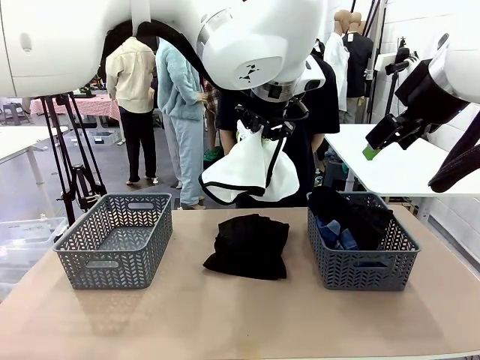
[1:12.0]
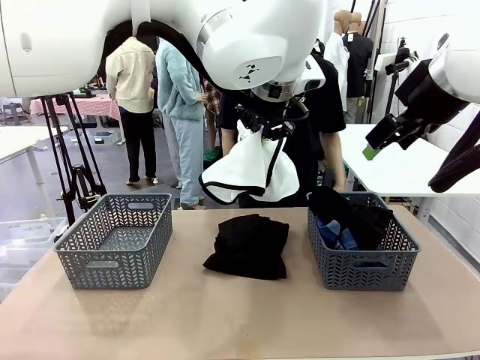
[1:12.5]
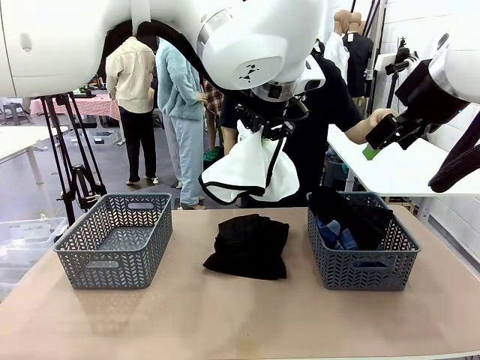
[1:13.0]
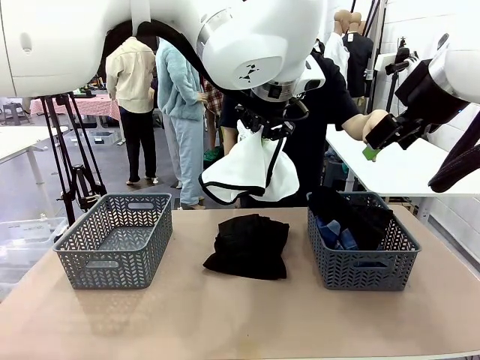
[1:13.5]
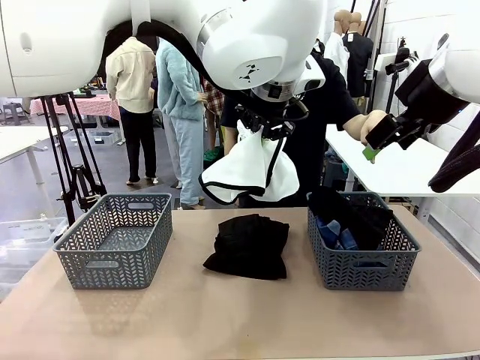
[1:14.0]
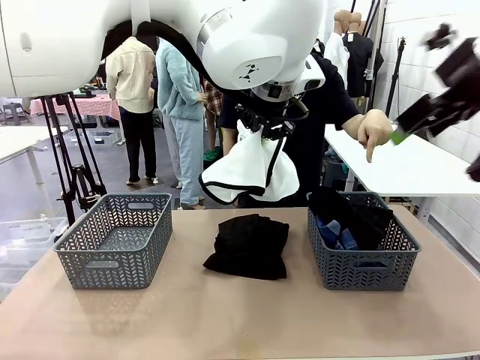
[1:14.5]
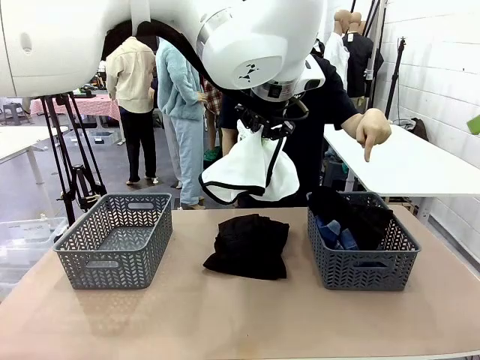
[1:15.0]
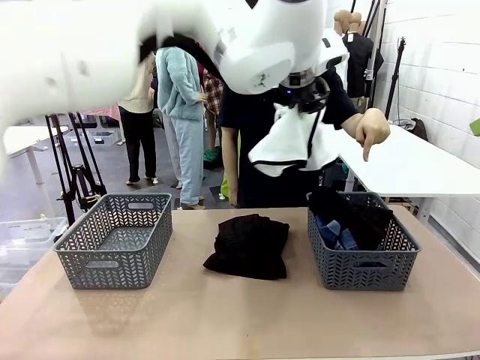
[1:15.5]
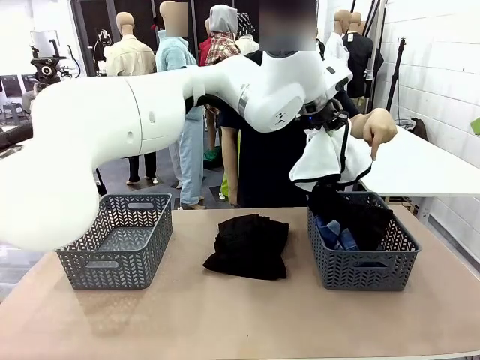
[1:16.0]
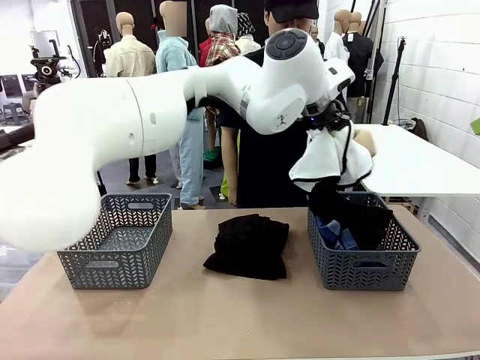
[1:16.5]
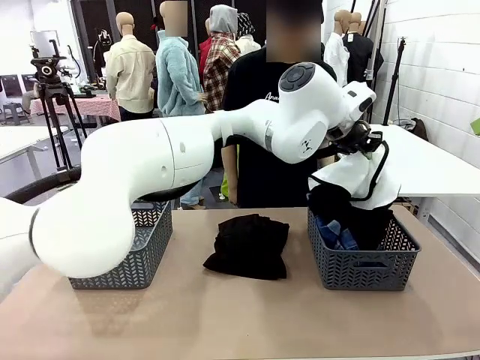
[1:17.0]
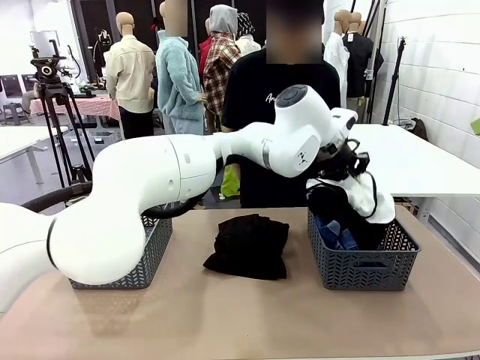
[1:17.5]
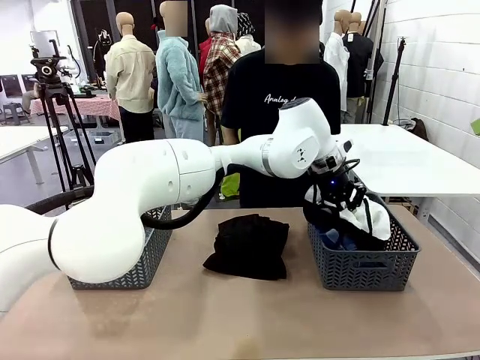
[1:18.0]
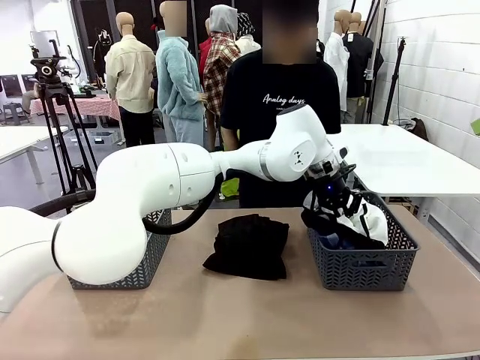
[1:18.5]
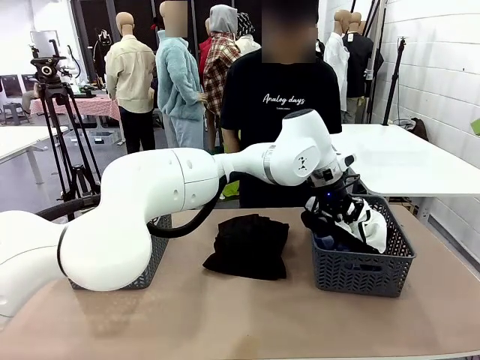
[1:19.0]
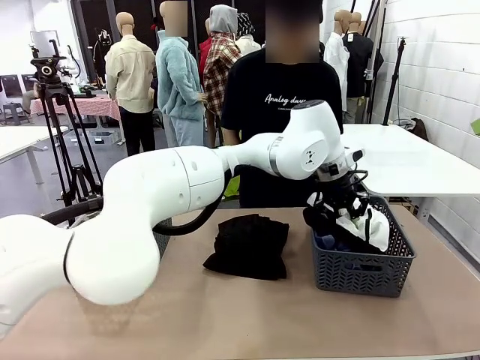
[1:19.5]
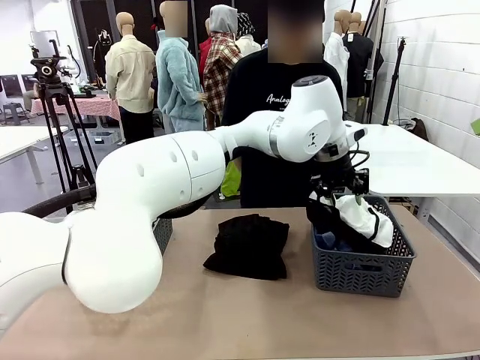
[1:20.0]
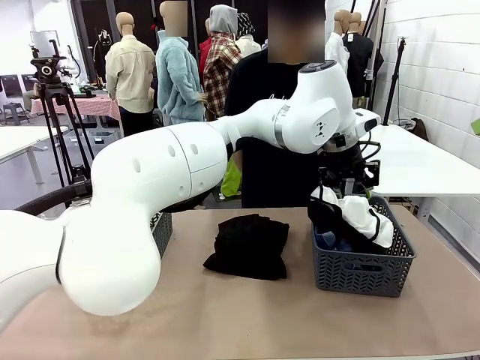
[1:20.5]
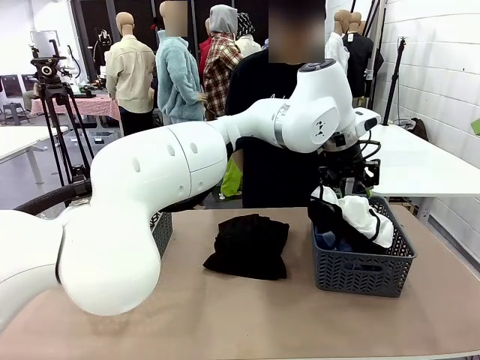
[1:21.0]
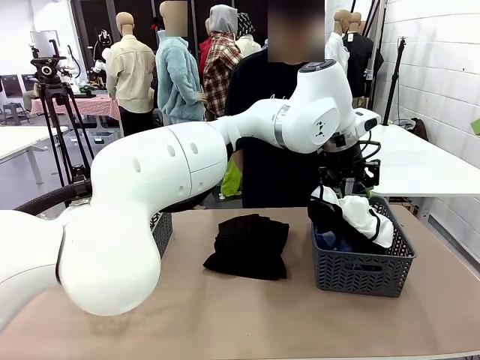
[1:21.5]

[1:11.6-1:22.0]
Task: Sort the tops and bottoms.
Robot: Sort the clothes according to human instructions.

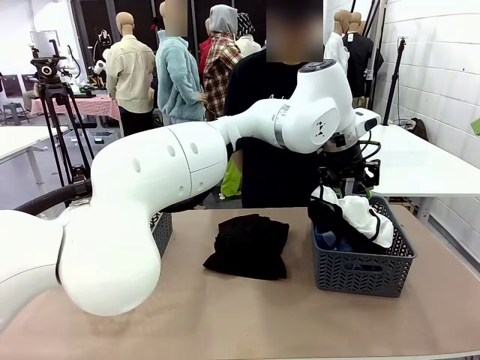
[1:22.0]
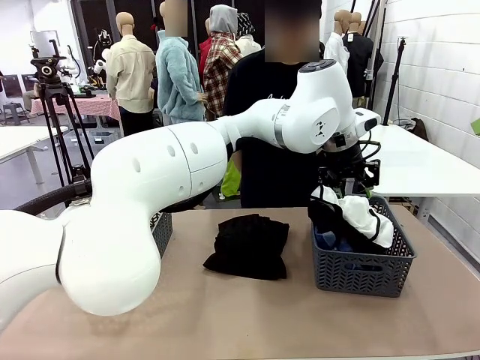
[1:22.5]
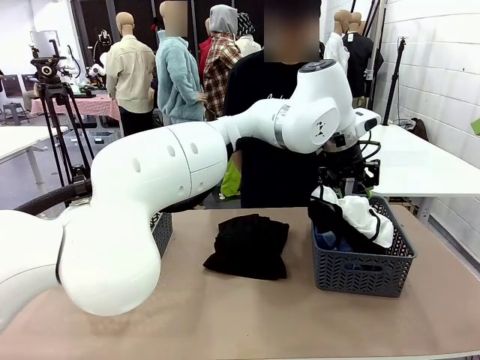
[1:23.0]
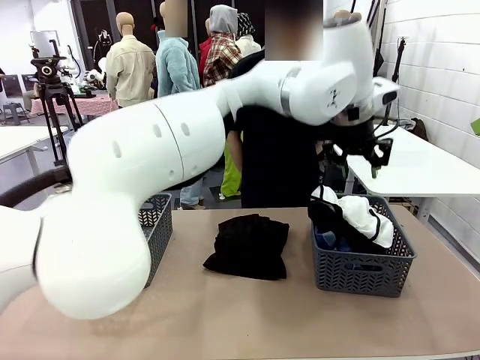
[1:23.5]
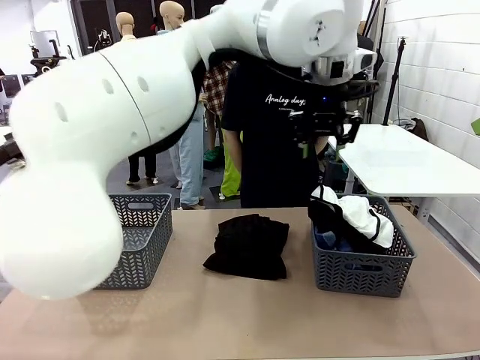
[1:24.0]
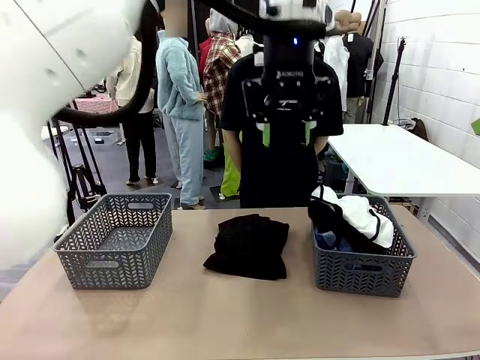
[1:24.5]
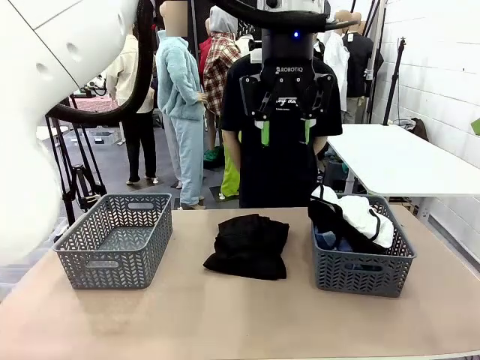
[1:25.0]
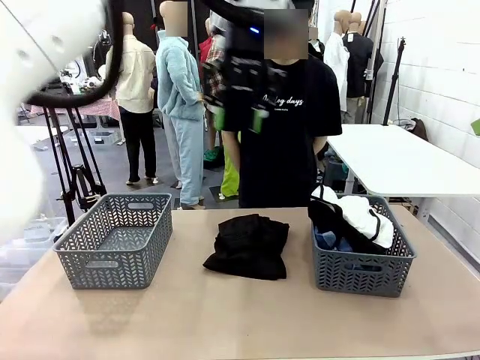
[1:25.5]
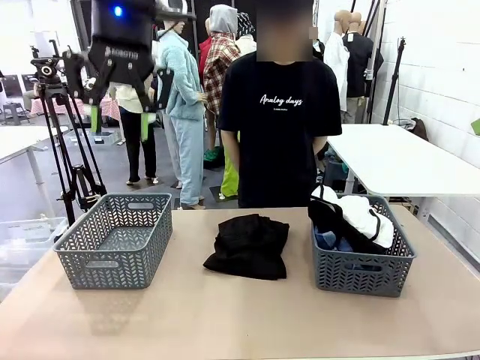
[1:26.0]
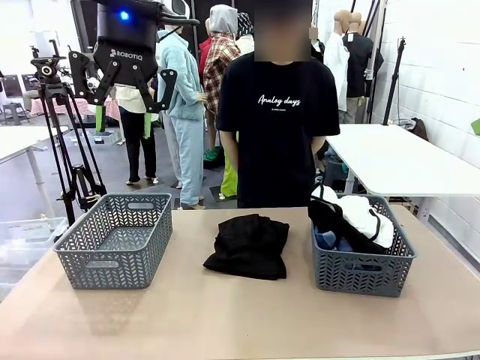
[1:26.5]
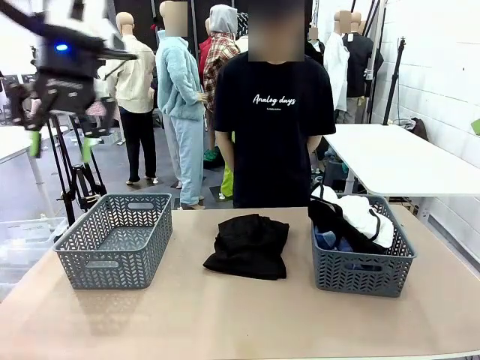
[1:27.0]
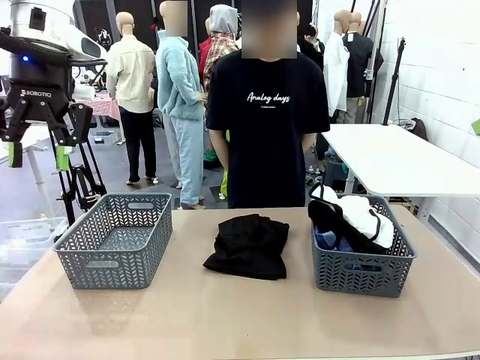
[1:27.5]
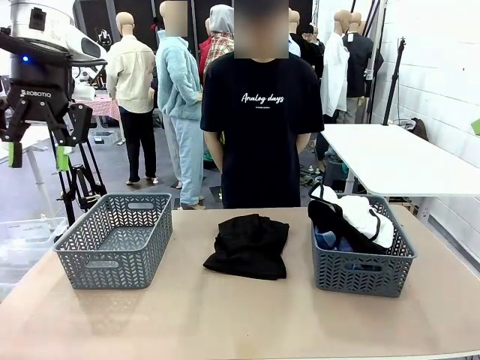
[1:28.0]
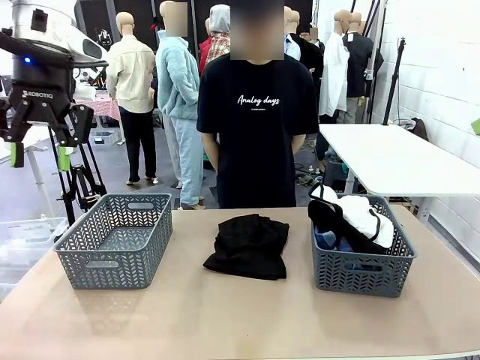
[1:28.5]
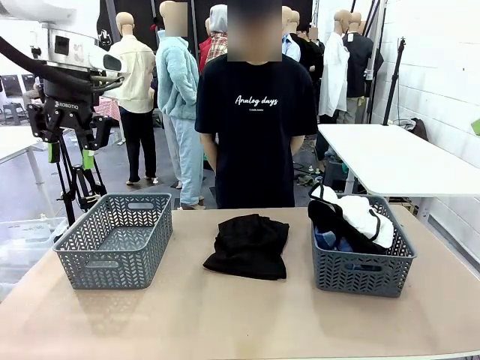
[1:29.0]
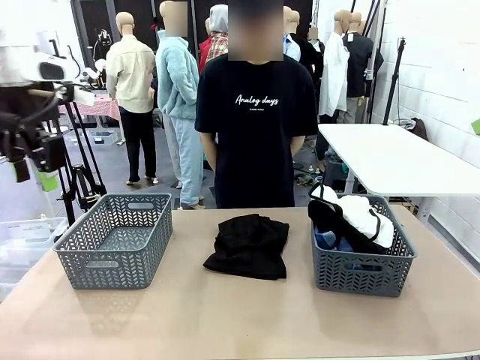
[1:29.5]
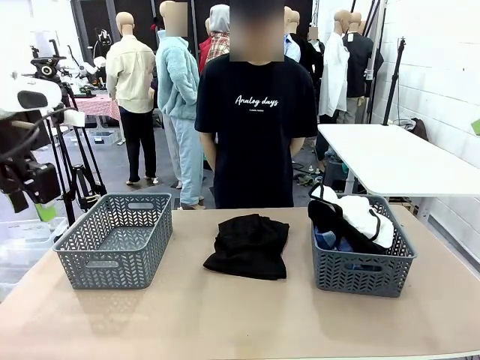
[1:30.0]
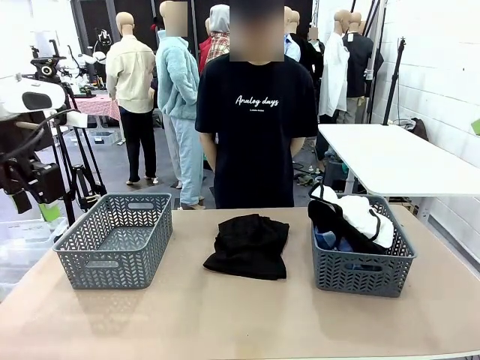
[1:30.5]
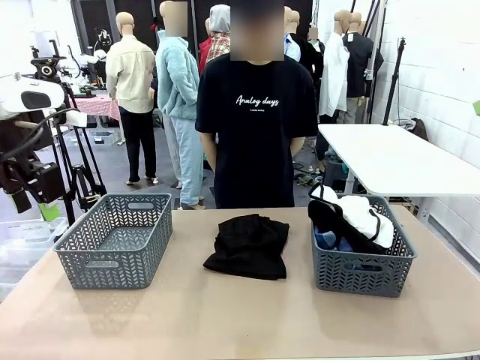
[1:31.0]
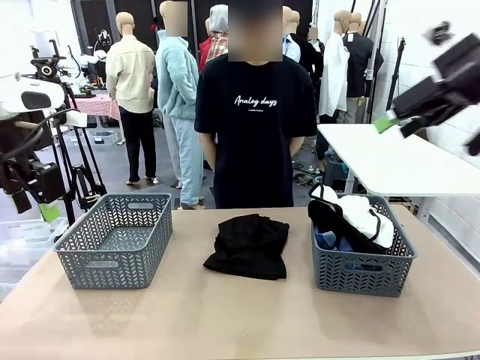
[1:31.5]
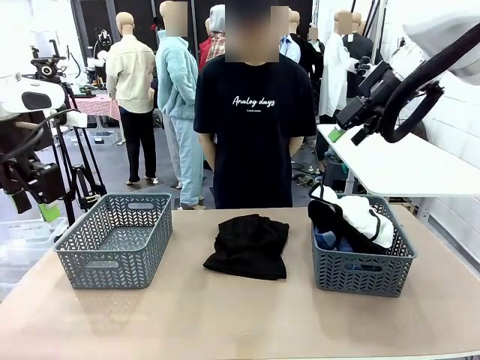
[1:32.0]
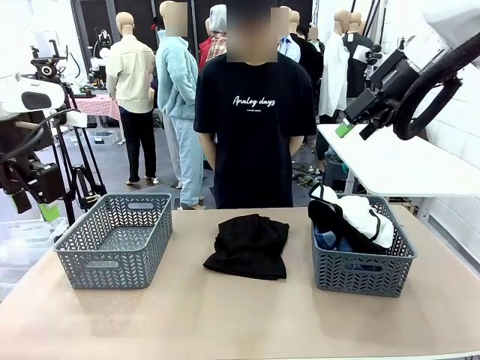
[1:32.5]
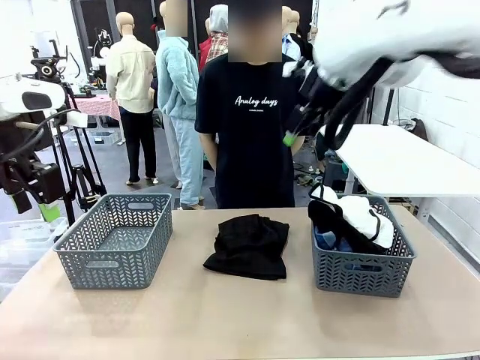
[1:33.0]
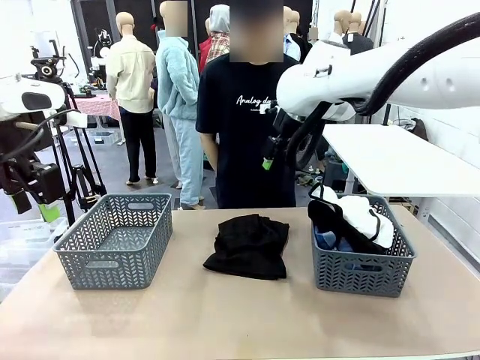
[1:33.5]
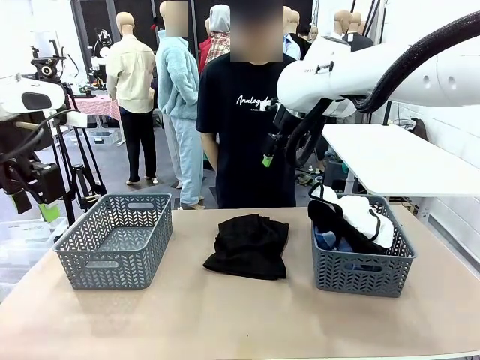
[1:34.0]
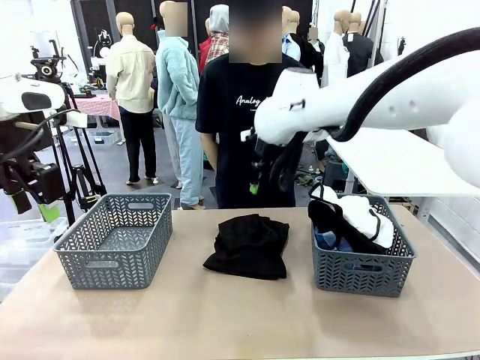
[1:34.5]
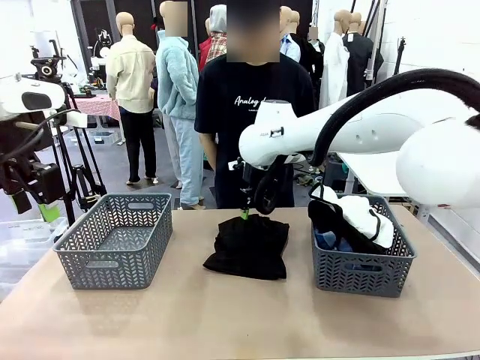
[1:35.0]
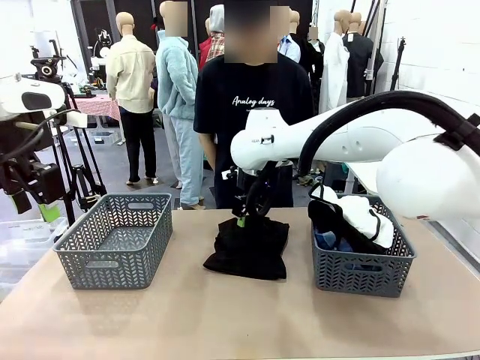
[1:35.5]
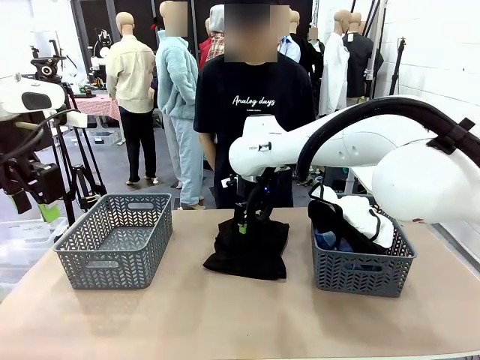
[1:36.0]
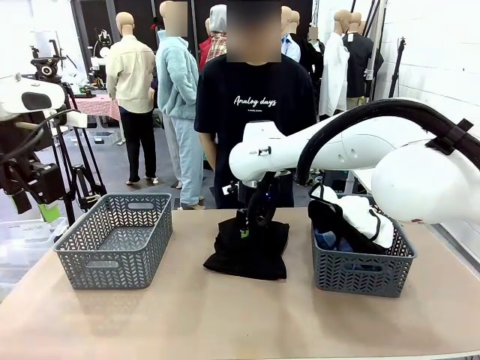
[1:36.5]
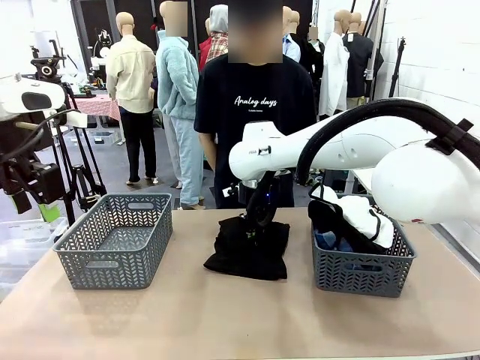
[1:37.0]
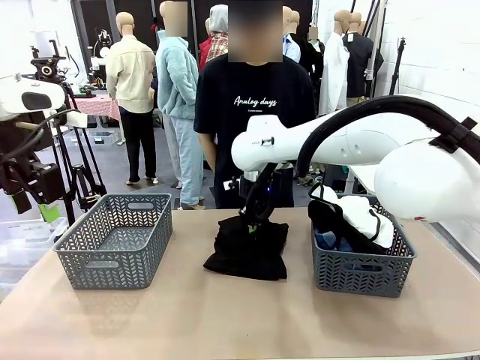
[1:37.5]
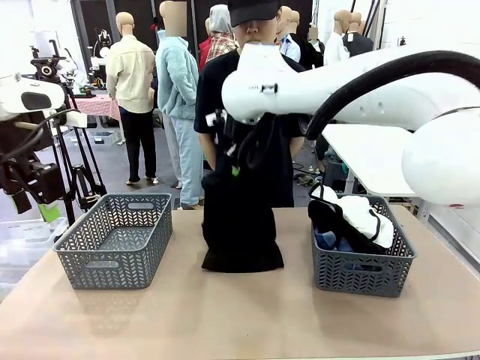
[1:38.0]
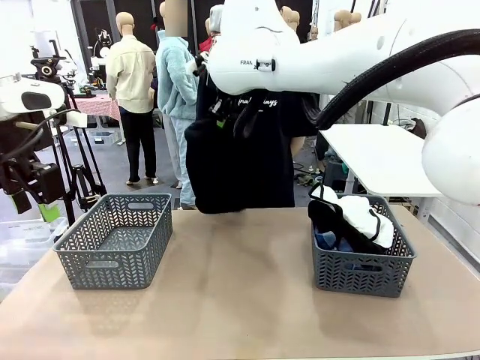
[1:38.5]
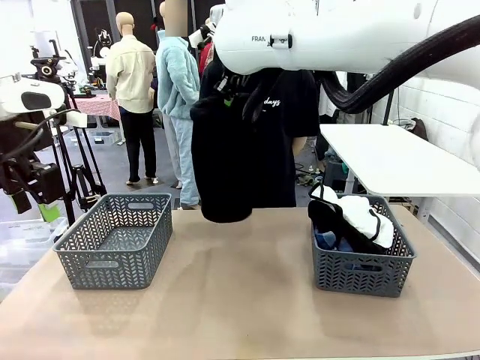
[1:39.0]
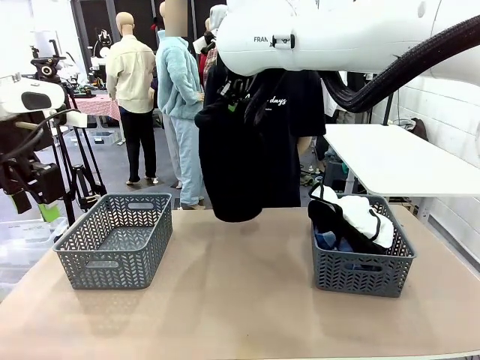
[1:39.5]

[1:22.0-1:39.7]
Robot: Lift clothes from the center of the table with your right hand.
